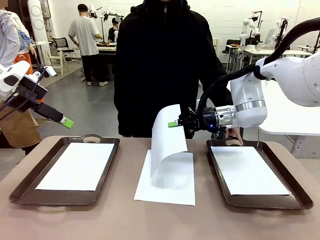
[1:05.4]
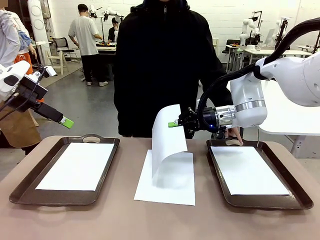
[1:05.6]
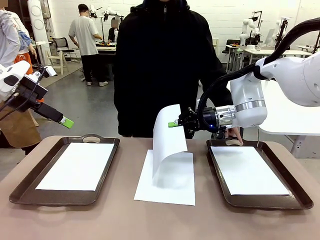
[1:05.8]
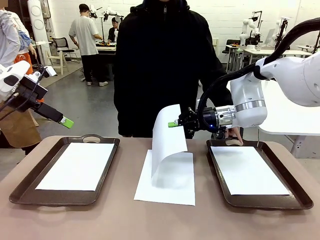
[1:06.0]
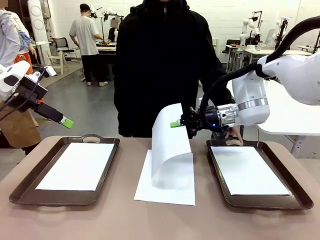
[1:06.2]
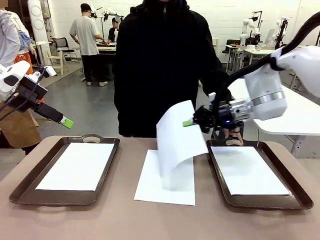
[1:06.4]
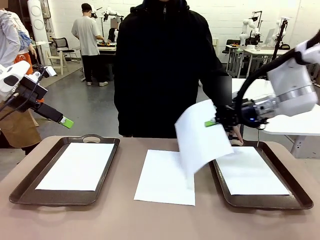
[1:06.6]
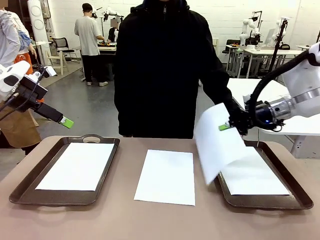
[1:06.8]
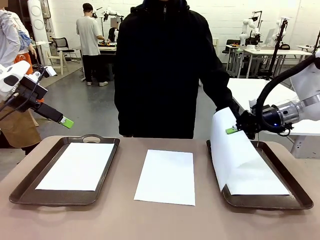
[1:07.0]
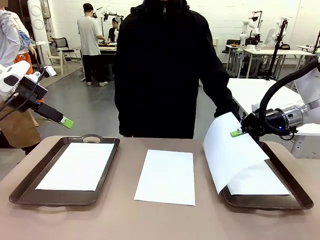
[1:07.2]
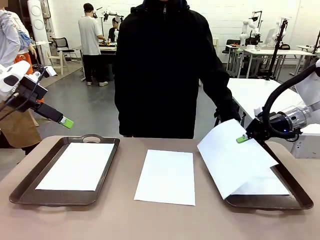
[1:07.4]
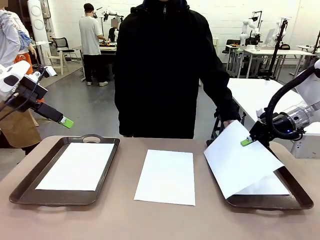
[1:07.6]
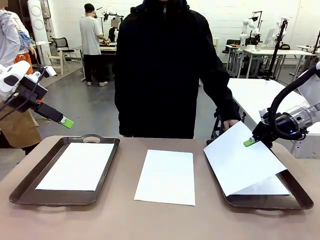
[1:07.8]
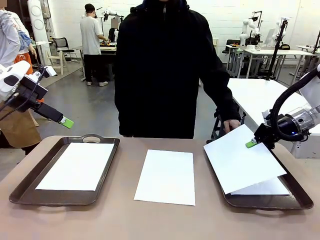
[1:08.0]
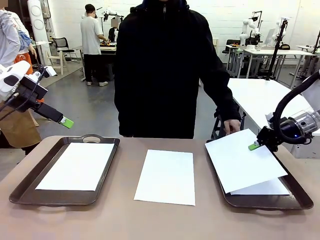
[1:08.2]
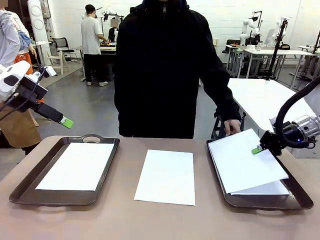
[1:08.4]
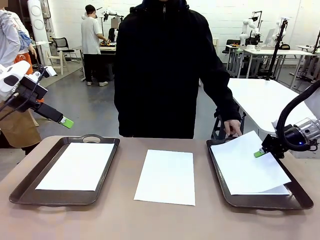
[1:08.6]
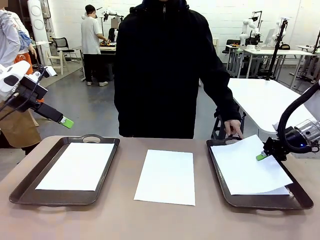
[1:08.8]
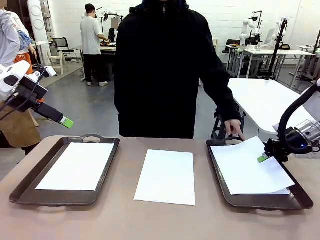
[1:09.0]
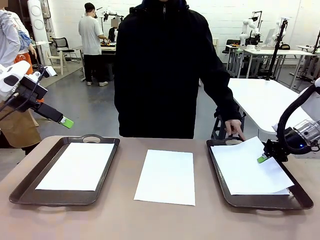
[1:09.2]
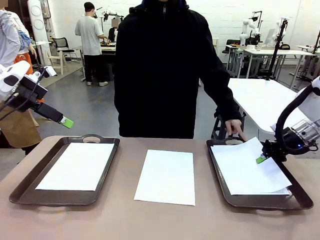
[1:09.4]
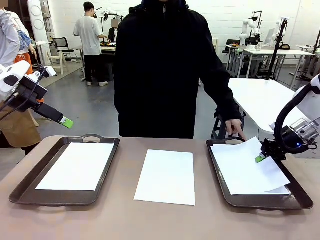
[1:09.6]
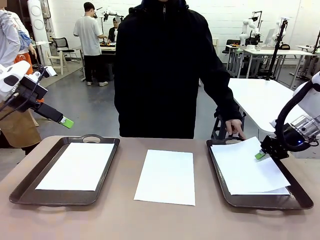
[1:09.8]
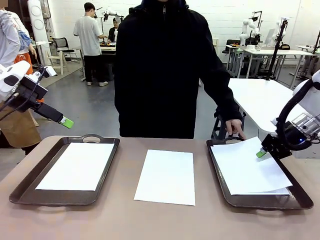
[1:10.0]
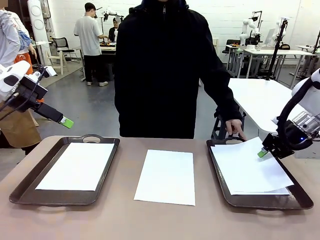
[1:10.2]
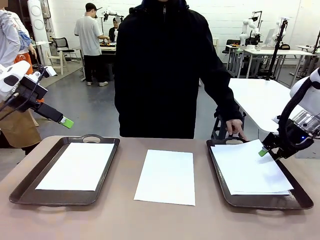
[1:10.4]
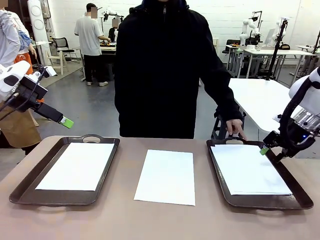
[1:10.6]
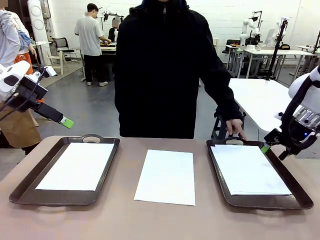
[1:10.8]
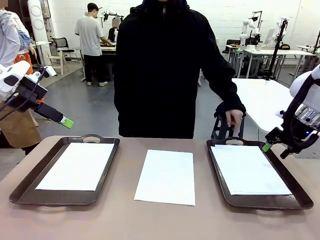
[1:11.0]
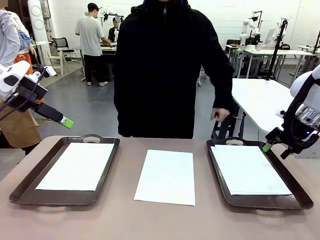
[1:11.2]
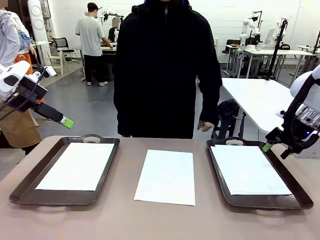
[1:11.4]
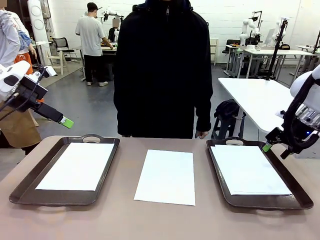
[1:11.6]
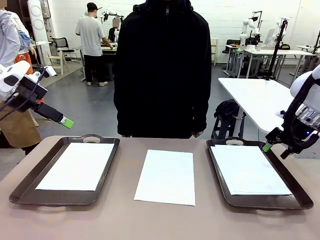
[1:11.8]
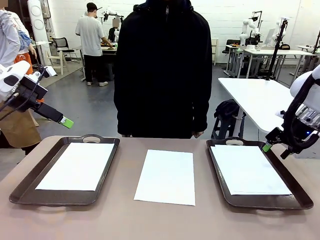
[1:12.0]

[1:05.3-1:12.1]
Task: Sort the A4 documents.
Robot: Place the A4 Paper in the designated Handle tray.

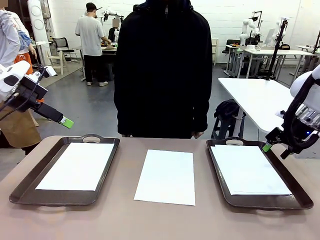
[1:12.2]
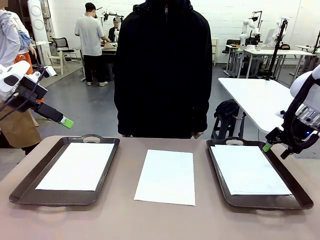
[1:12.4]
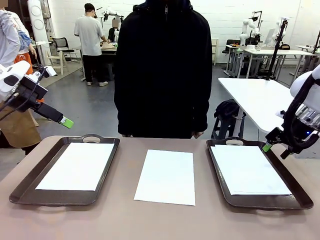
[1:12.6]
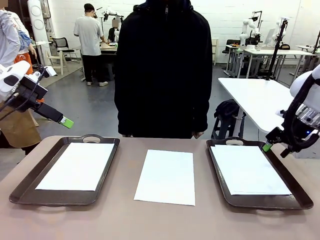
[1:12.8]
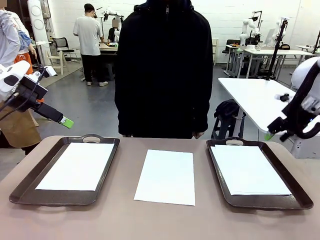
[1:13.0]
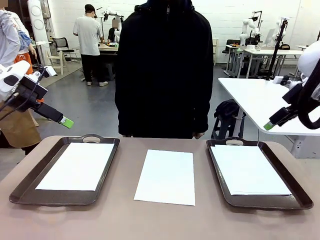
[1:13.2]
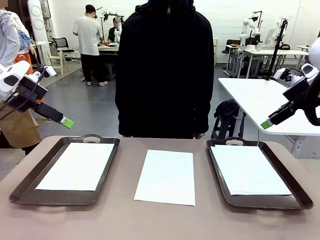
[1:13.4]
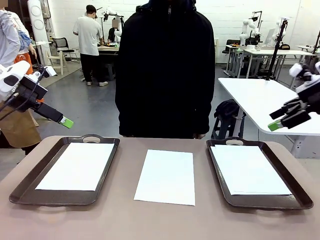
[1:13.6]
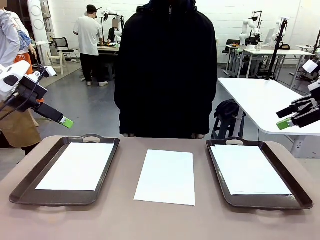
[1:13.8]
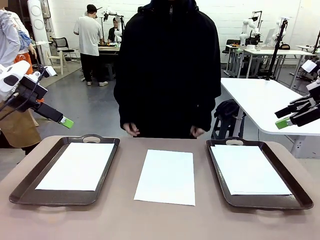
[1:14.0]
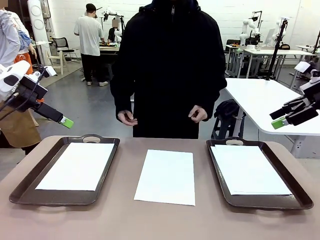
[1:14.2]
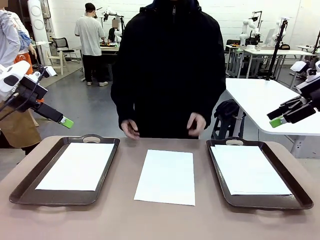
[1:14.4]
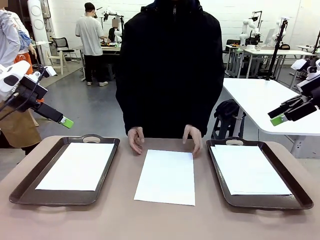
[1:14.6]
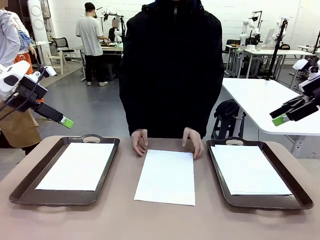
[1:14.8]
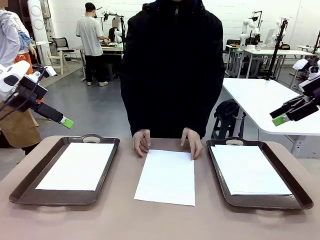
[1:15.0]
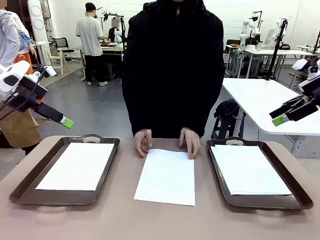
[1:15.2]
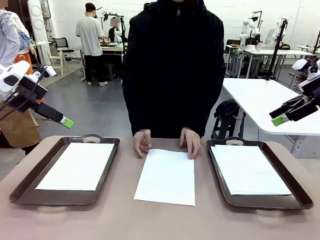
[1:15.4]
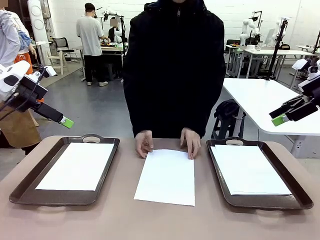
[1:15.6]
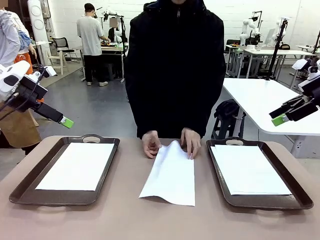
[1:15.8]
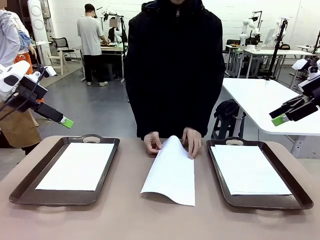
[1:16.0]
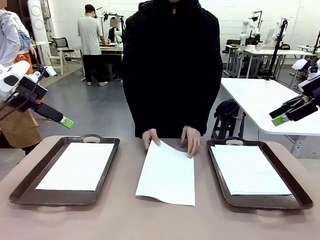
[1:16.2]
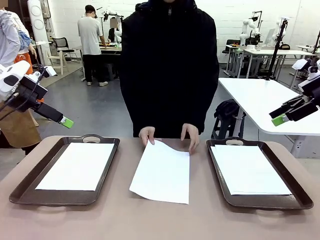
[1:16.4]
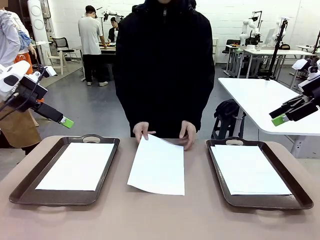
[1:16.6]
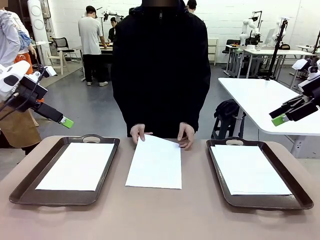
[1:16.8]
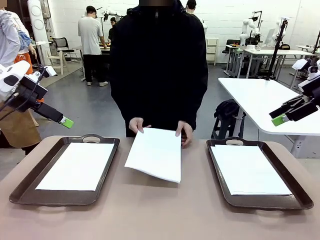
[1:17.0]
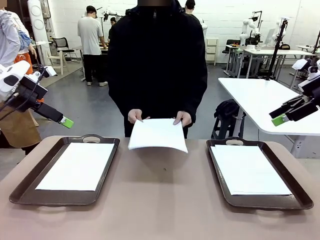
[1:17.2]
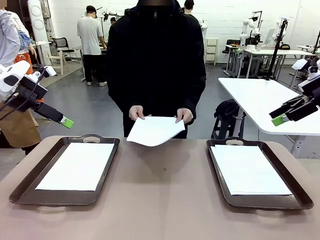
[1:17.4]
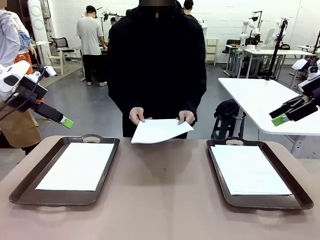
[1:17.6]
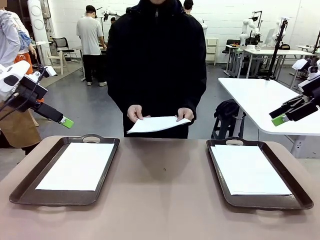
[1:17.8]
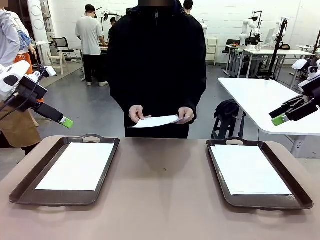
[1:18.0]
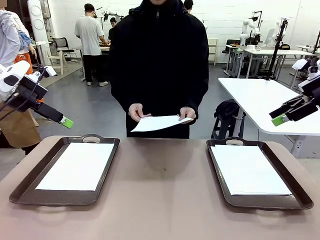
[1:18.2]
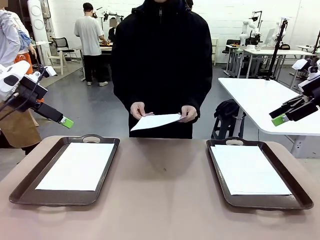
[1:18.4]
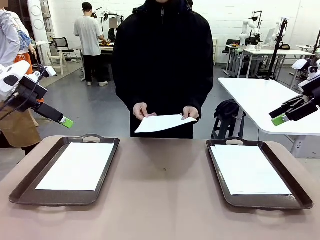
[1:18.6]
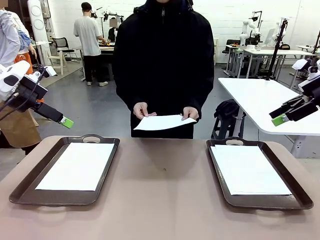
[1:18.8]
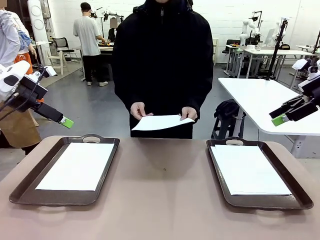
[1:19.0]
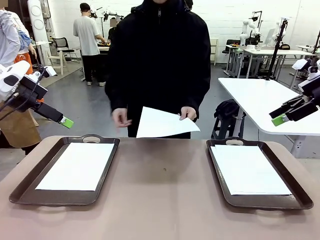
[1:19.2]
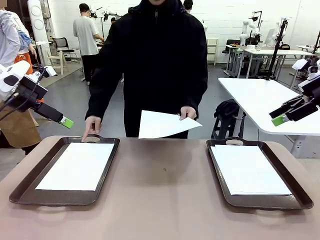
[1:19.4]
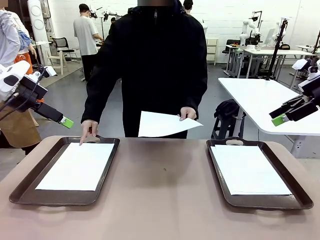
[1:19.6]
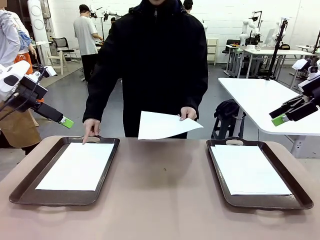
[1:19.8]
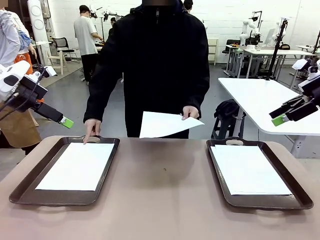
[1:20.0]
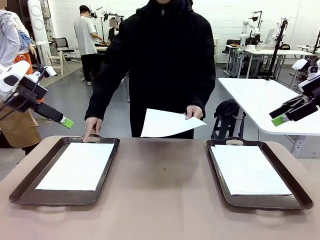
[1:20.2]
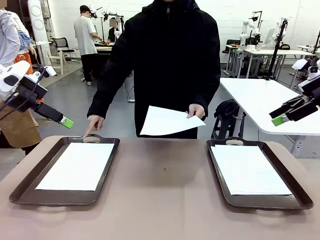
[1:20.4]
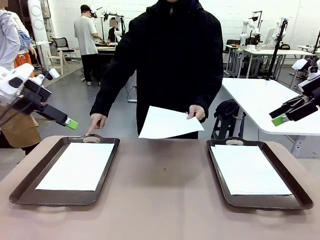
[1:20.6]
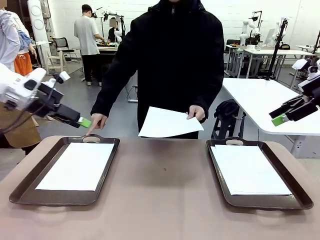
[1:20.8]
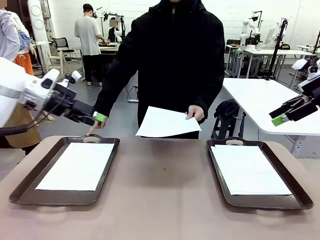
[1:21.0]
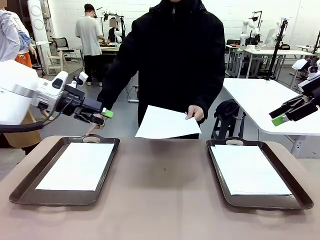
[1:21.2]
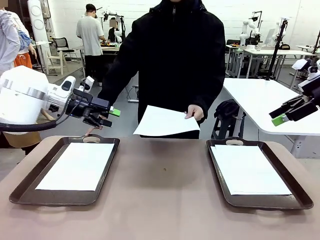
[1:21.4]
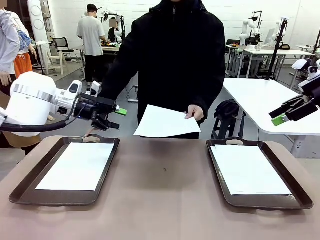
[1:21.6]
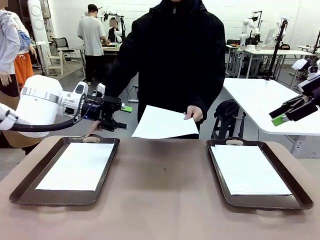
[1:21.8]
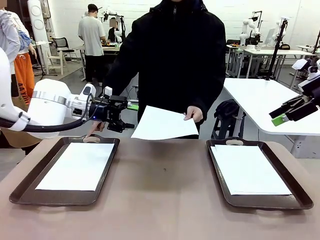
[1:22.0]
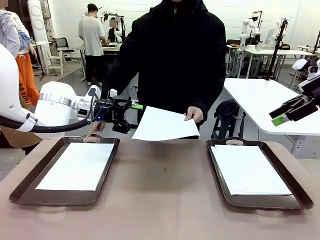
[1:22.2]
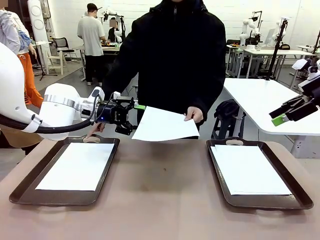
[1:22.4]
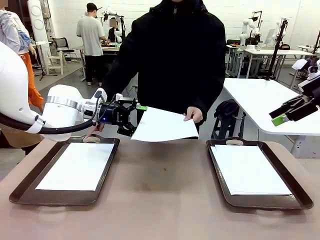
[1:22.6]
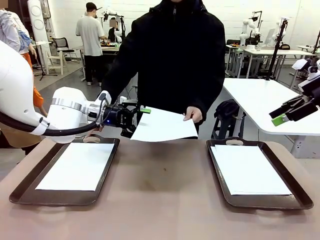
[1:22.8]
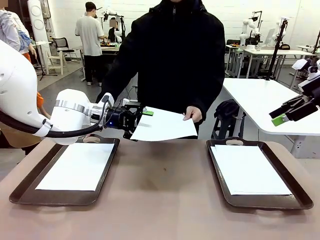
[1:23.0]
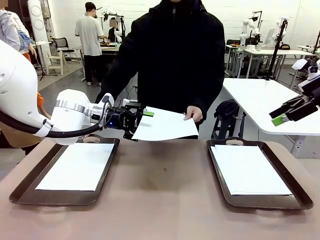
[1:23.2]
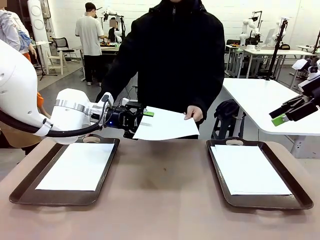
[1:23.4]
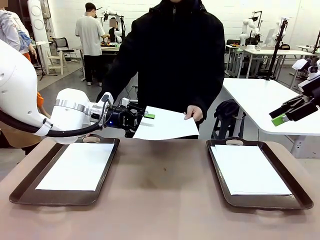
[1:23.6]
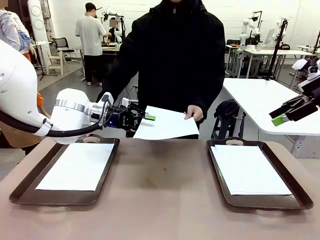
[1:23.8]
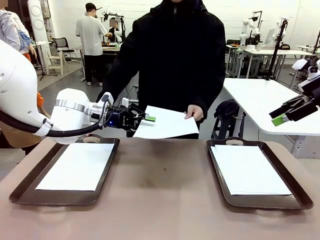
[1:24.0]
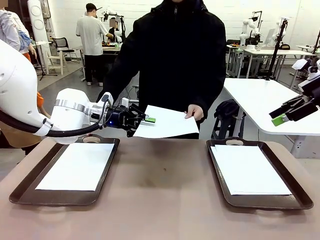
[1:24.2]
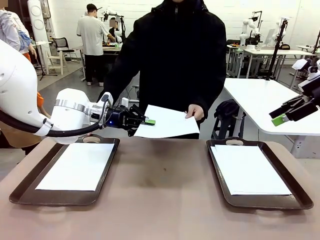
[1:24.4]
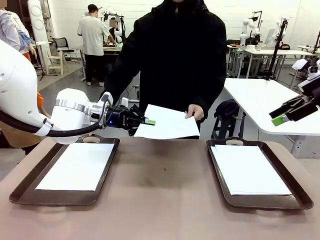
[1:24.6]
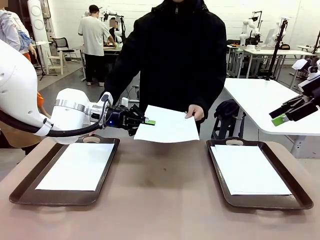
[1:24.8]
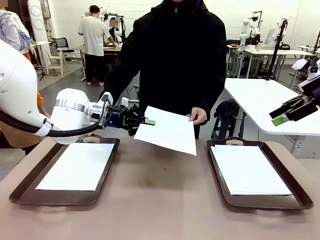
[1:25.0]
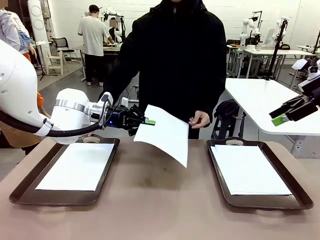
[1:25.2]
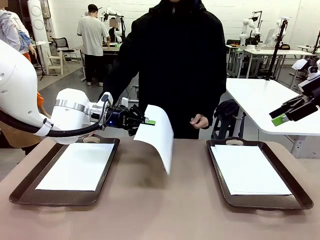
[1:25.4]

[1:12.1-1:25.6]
Robot: Receive the A4 Paper.
Person: Point the randomly selected tray with the other hand.

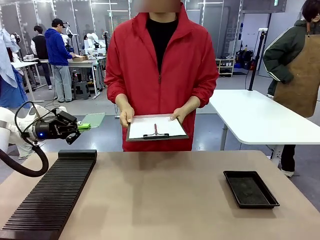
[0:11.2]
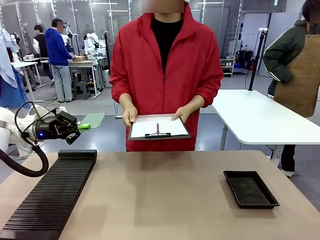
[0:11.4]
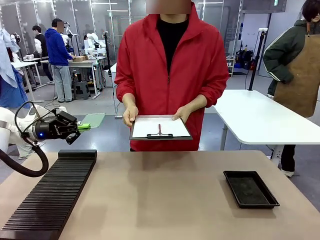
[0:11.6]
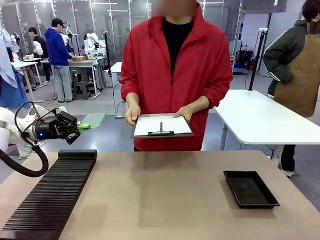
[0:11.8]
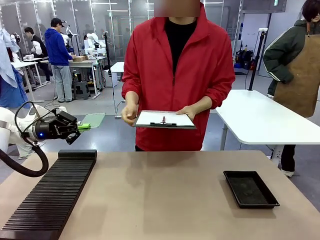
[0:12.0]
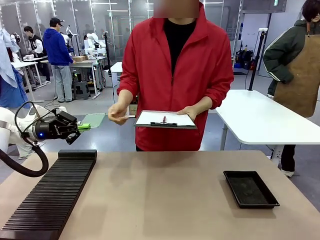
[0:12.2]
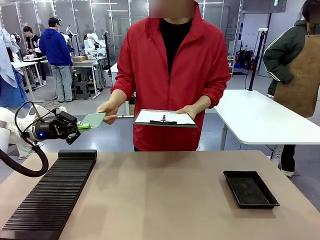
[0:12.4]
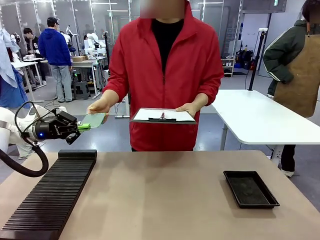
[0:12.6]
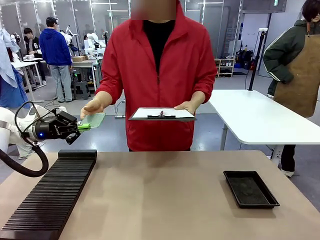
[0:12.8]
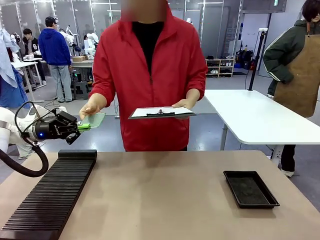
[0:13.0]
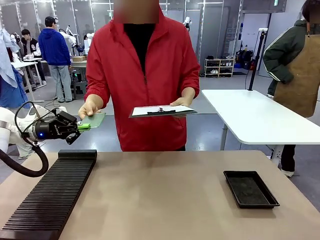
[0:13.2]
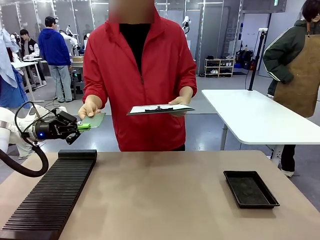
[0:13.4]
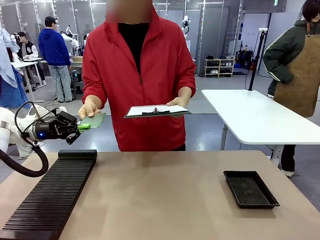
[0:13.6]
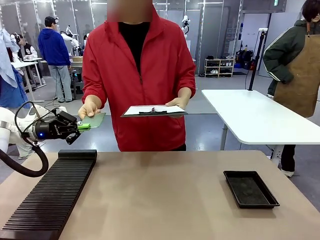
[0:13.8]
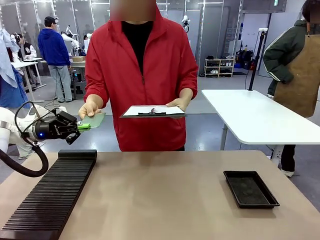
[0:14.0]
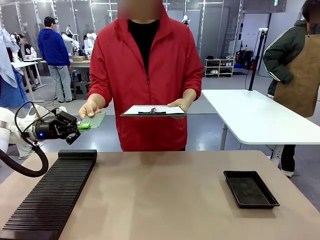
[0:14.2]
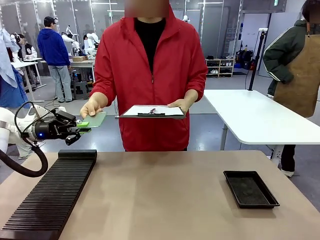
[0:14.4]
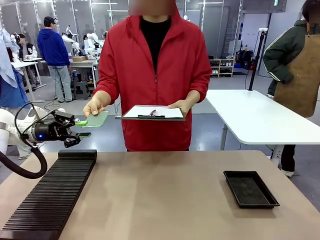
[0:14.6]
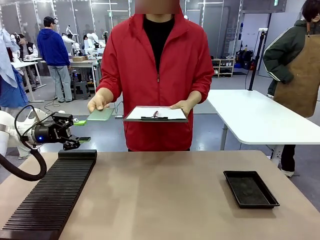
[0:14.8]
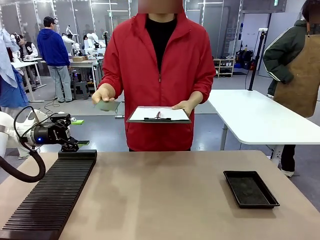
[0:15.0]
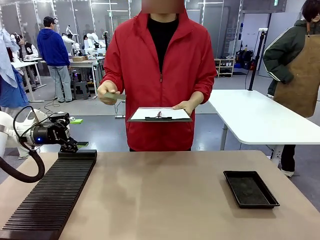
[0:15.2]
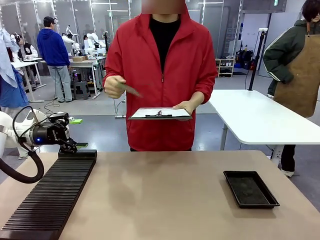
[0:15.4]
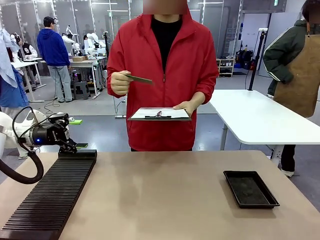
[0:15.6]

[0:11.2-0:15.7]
Task: Inspect the PCB.
Robot: Release the Blank PCB you were holding.
